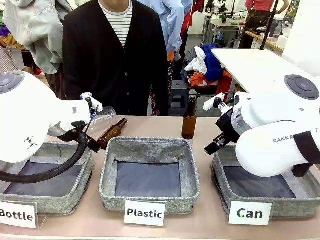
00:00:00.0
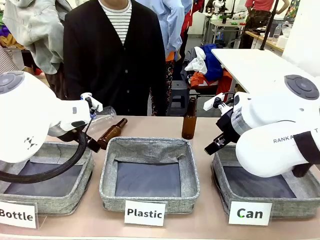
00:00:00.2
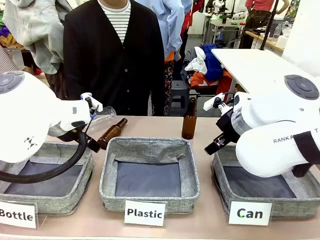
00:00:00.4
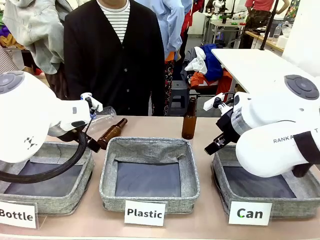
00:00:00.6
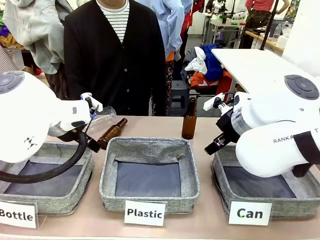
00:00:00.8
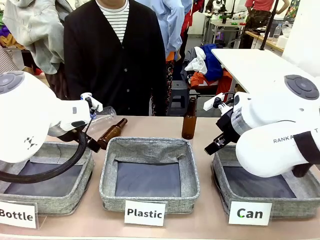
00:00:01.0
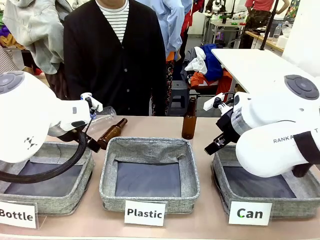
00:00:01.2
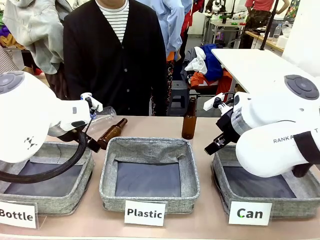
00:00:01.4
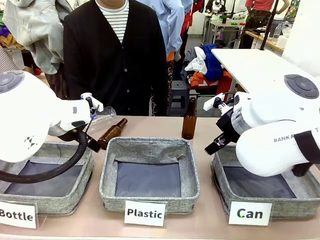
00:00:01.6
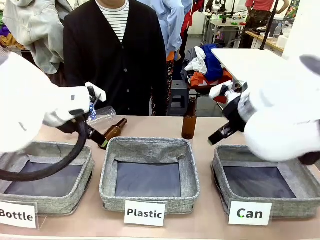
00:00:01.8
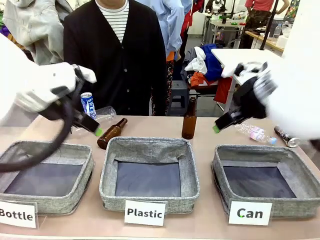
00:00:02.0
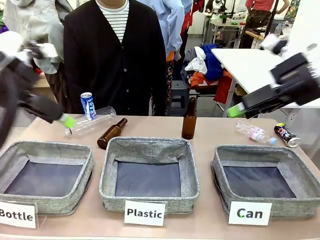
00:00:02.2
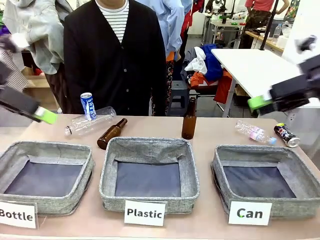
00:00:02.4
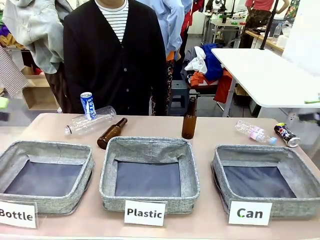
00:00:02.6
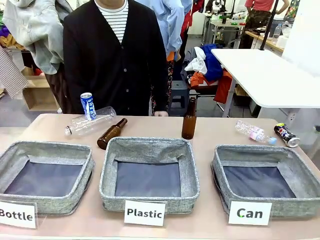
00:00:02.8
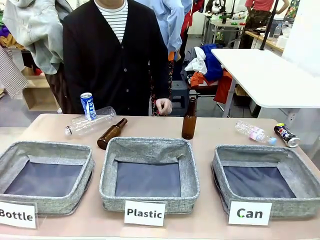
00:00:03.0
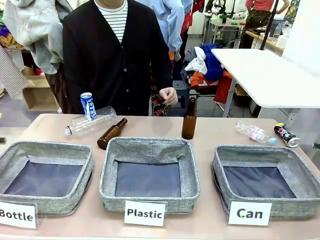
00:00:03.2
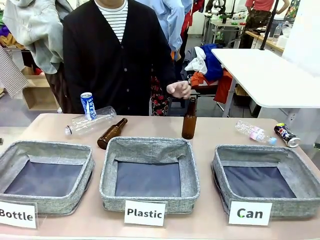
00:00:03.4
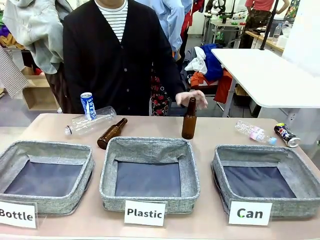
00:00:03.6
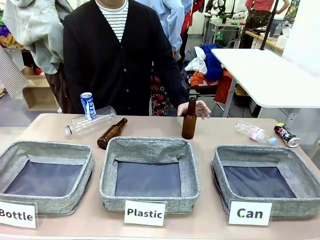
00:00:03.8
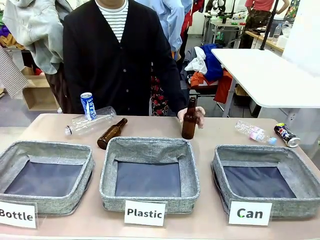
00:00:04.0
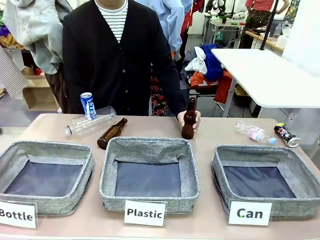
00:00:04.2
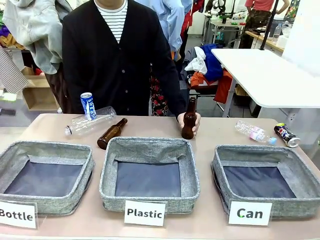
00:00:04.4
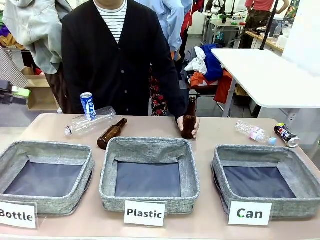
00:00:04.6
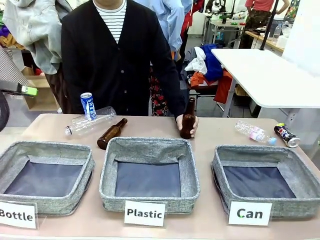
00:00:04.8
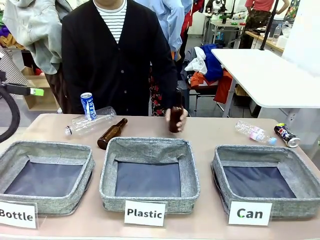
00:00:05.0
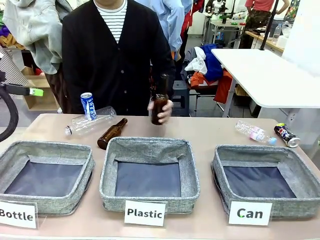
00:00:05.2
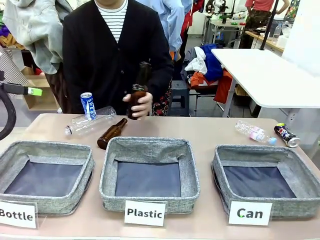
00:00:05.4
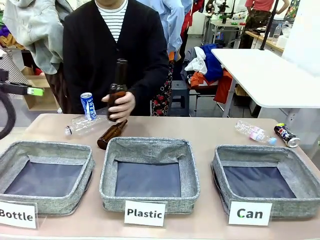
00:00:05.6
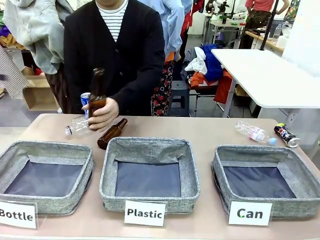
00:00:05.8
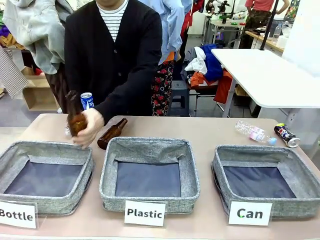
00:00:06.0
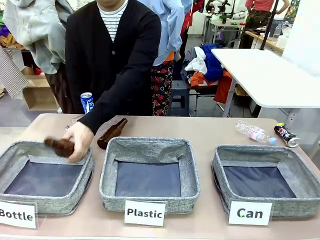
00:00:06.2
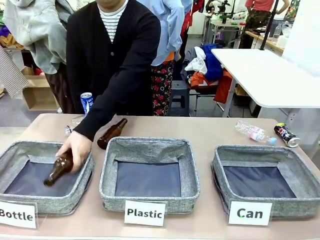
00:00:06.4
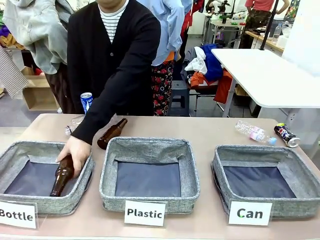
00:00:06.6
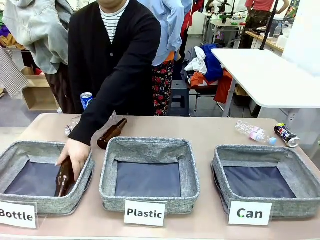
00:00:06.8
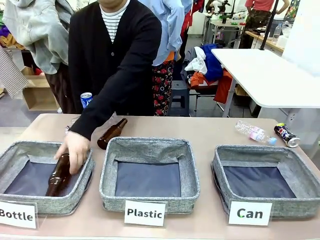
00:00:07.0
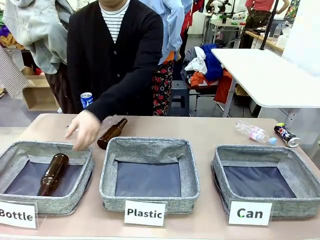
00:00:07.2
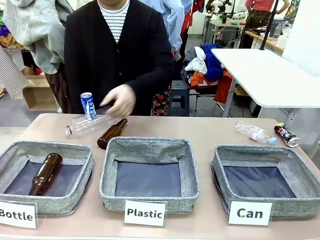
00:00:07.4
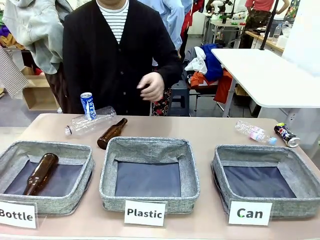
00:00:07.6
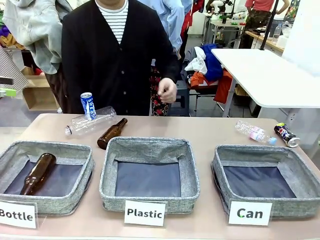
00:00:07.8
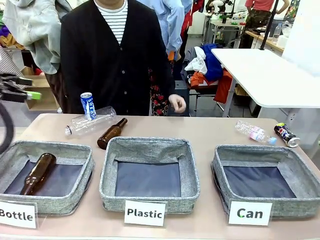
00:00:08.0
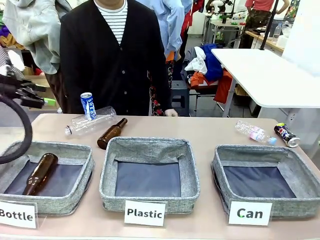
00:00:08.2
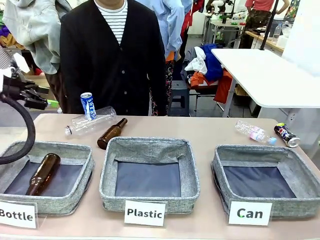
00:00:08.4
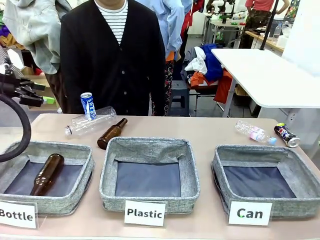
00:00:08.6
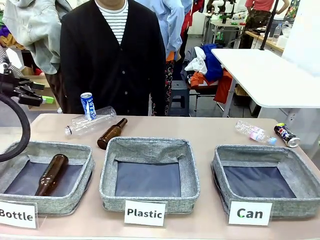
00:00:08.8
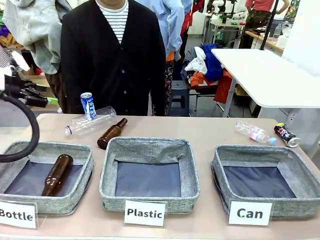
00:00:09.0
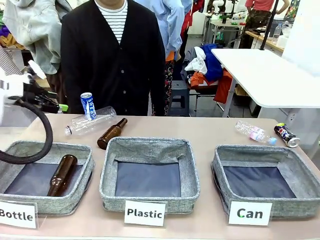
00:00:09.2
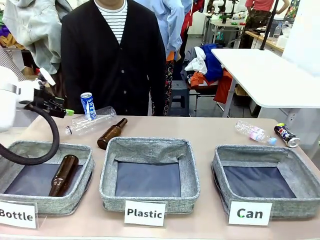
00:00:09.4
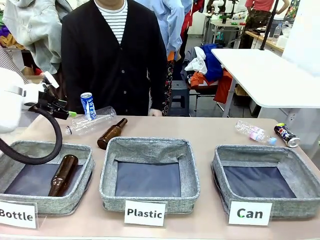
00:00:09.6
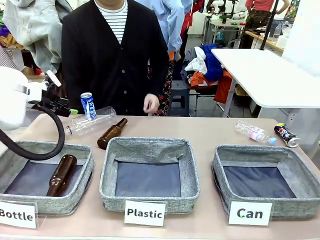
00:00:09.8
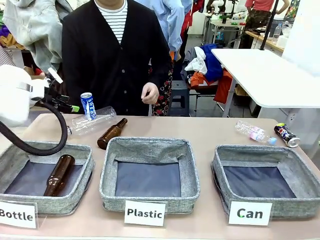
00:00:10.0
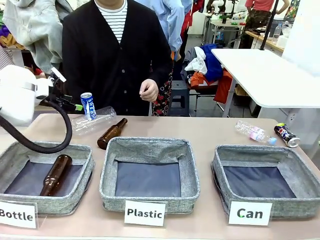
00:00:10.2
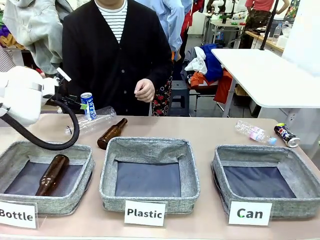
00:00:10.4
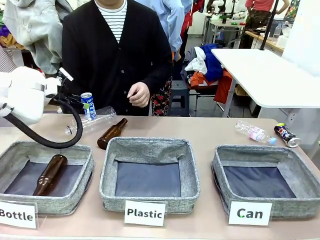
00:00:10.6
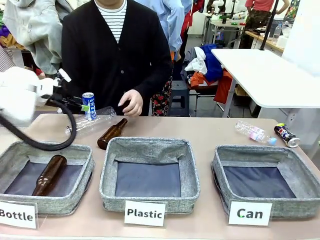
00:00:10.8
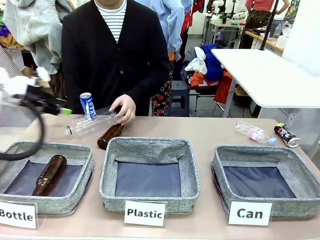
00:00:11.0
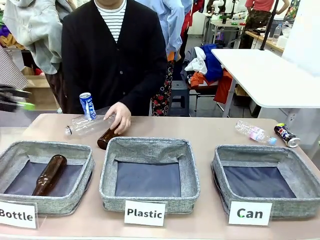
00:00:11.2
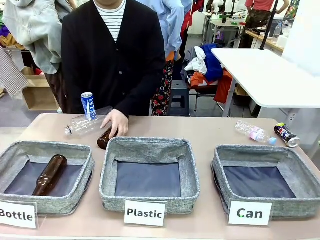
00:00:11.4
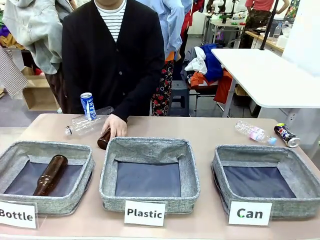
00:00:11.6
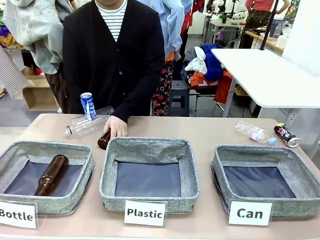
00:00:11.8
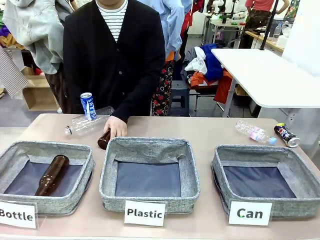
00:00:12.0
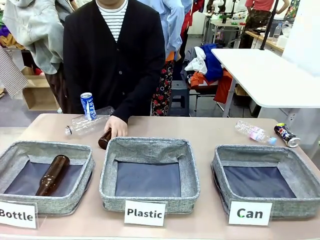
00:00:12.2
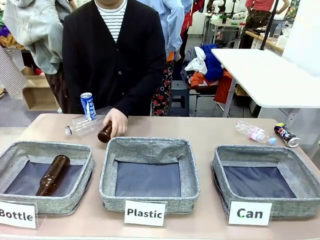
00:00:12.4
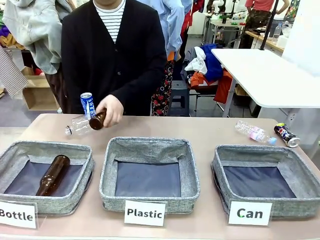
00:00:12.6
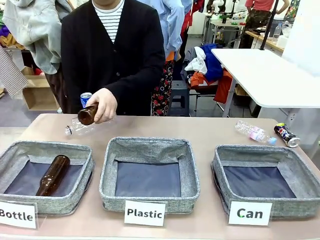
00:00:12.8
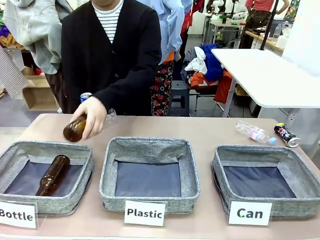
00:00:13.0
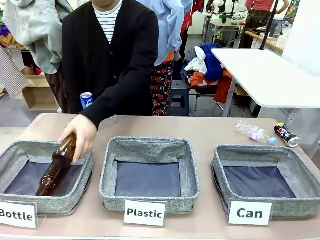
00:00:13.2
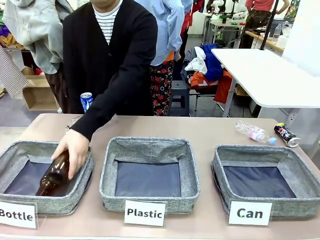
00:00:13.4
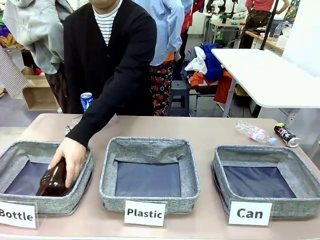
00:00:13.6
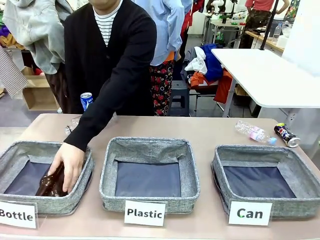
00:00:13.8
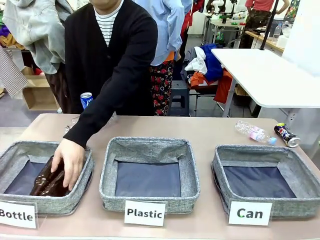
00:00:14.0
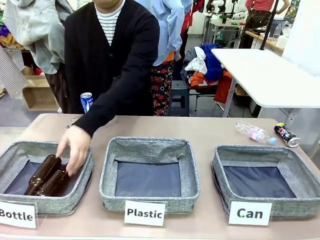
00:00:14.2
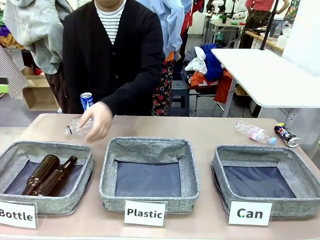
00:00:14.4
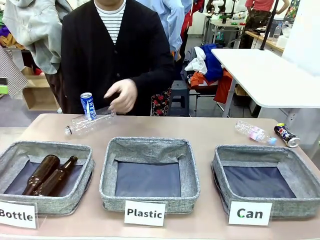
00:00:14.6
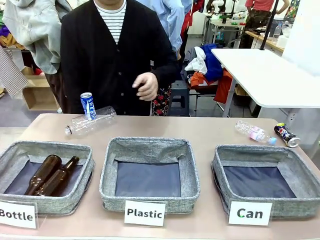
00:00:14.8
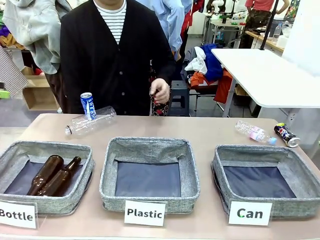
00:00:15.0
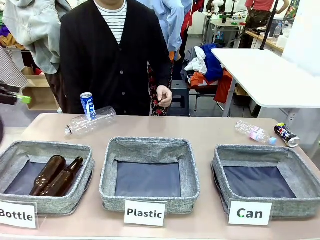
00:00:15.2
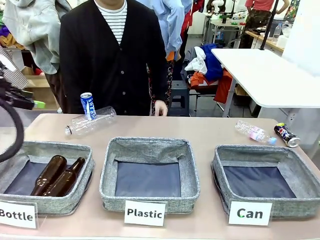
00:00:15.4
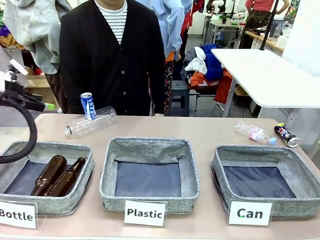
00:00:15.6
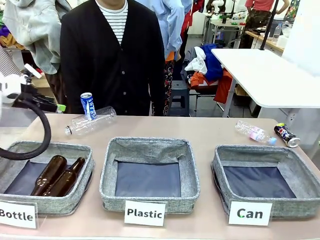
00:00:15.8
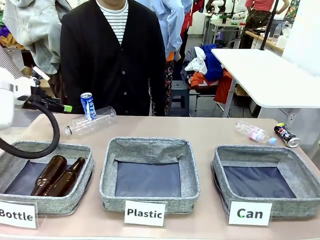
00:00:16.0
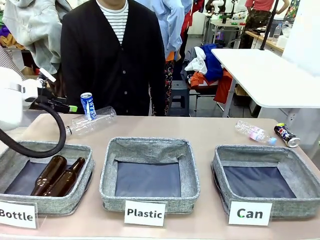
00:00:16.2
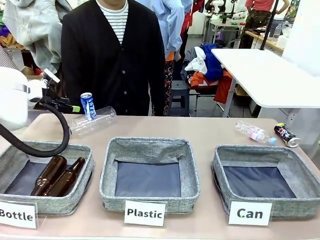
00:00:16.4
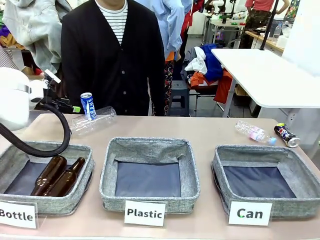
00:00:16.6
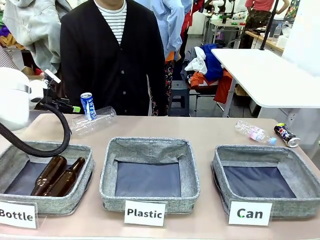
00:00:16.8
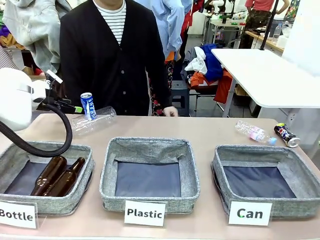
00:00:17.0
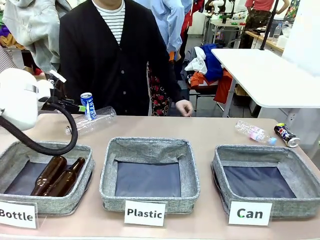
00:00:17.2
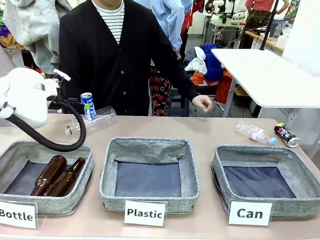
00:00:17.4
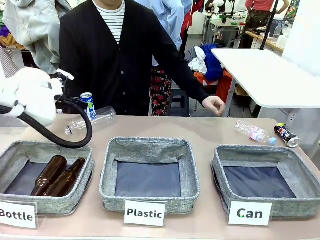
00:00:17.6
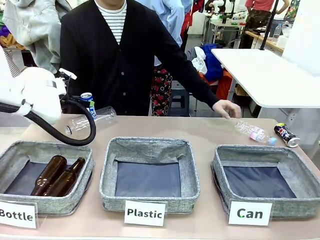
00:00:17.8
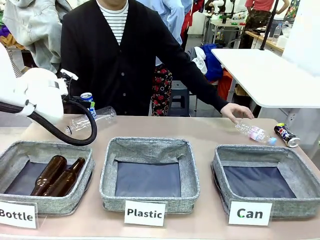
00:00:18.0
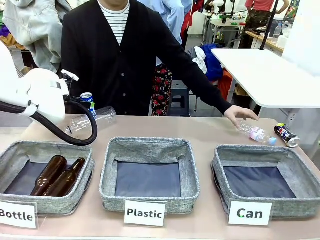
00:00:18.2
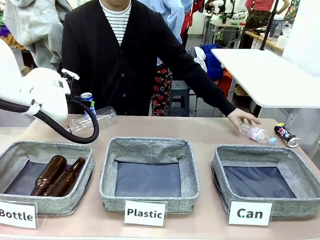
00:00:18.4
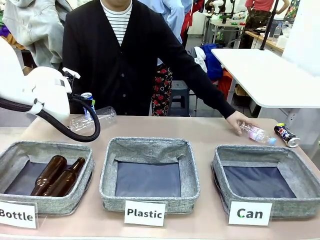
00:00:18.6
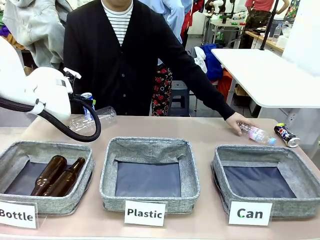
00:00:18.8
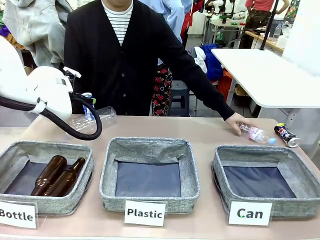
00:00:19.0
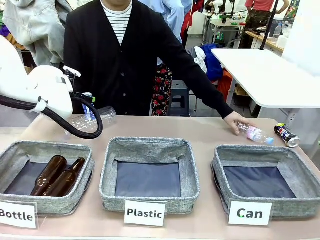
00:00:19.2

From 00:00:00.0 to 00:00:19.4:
Task: Sort the can waste into the basket.
Robot: Pick up the can waste from the table and place it in the right Fabric basket.
